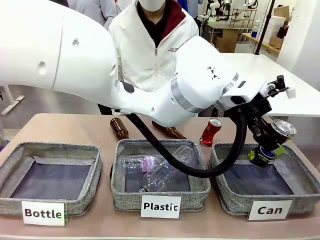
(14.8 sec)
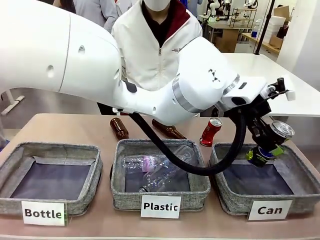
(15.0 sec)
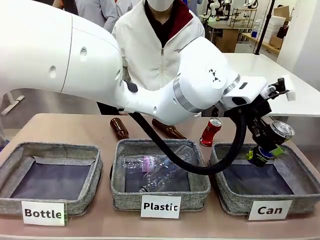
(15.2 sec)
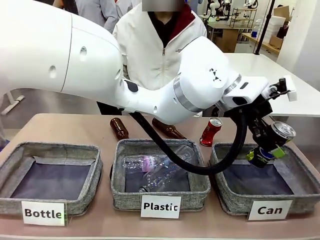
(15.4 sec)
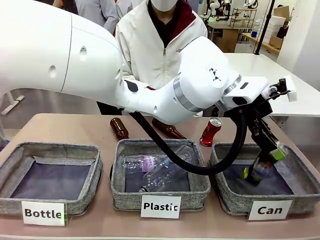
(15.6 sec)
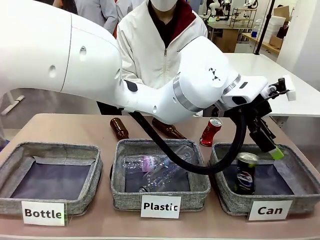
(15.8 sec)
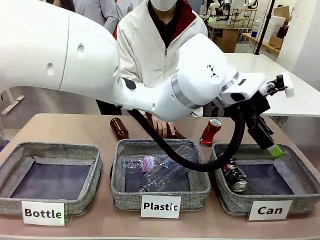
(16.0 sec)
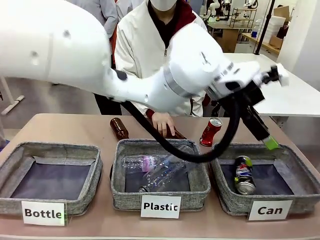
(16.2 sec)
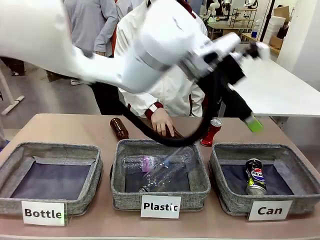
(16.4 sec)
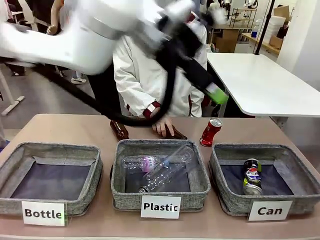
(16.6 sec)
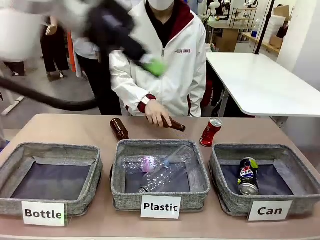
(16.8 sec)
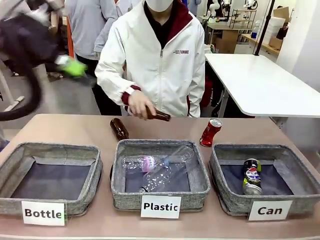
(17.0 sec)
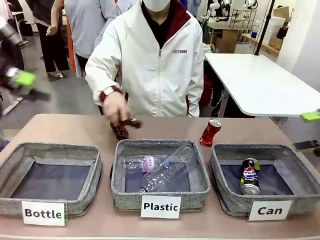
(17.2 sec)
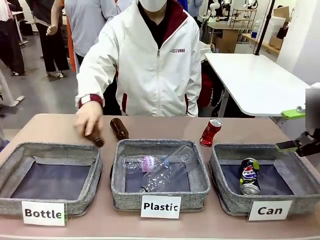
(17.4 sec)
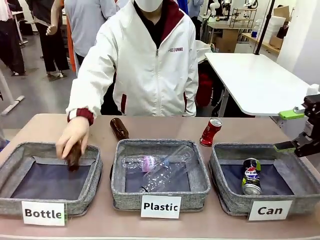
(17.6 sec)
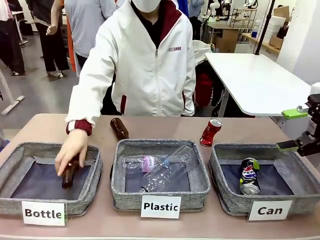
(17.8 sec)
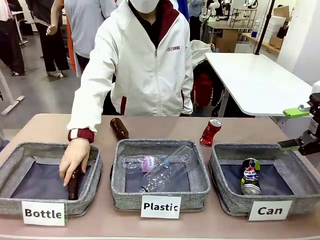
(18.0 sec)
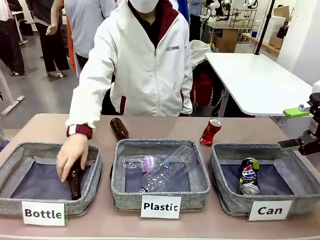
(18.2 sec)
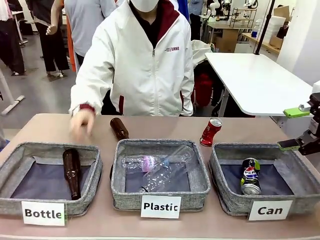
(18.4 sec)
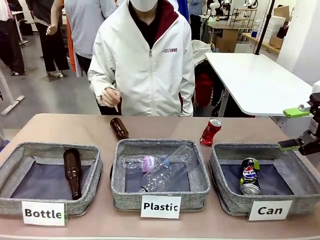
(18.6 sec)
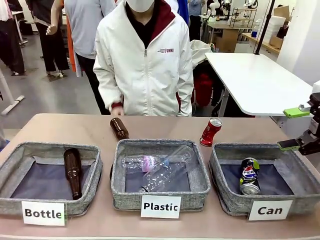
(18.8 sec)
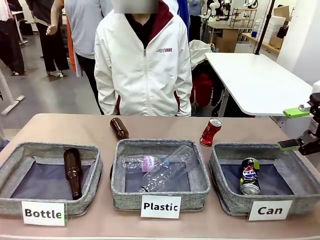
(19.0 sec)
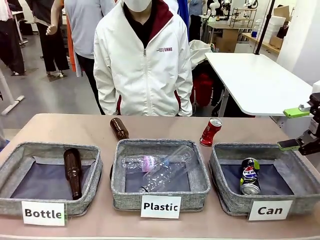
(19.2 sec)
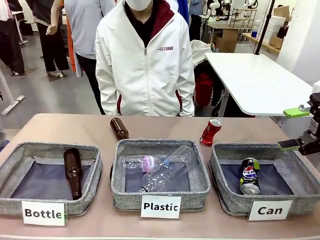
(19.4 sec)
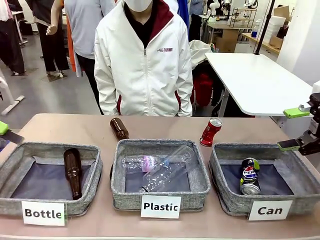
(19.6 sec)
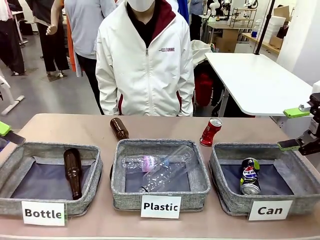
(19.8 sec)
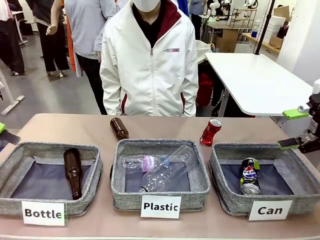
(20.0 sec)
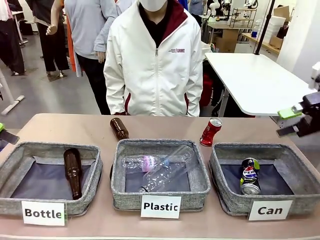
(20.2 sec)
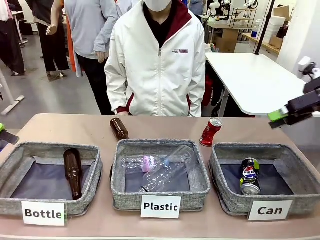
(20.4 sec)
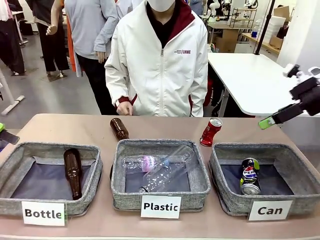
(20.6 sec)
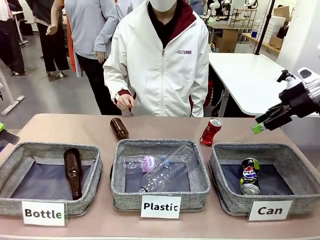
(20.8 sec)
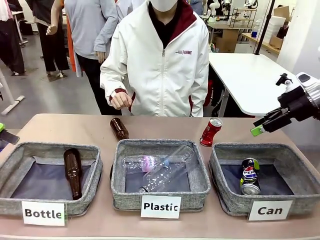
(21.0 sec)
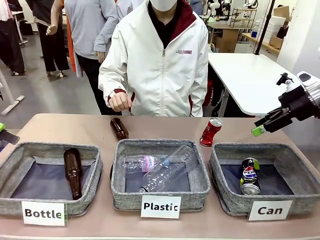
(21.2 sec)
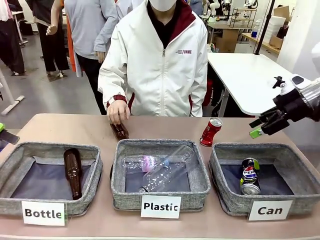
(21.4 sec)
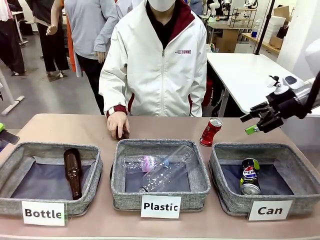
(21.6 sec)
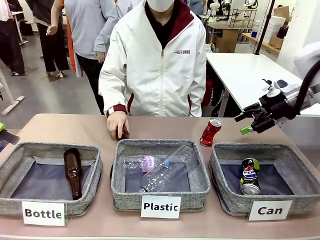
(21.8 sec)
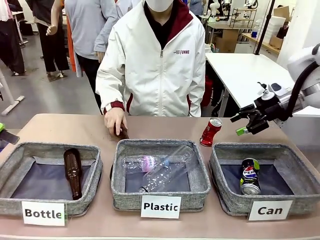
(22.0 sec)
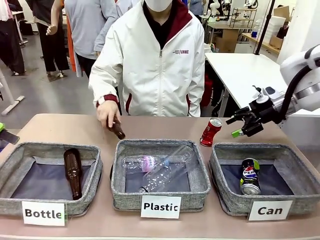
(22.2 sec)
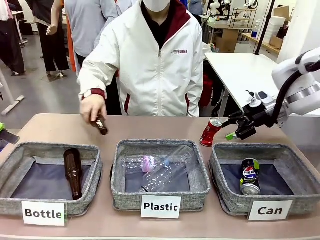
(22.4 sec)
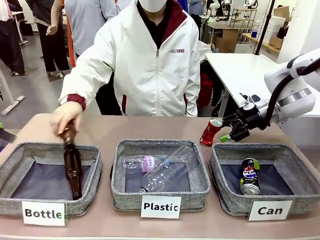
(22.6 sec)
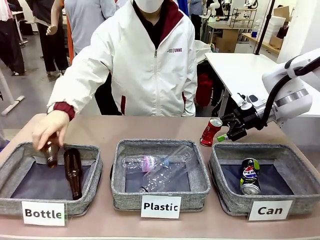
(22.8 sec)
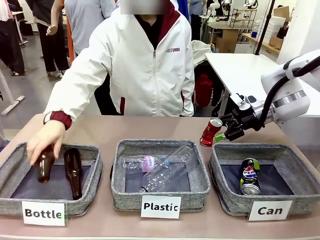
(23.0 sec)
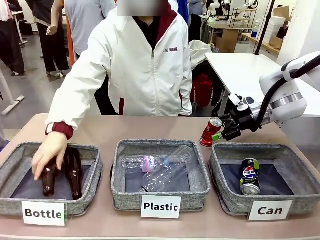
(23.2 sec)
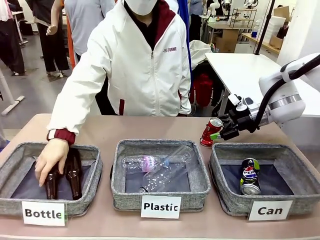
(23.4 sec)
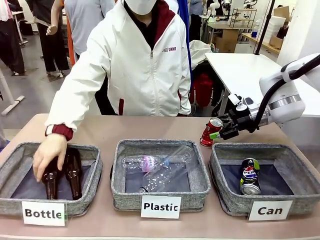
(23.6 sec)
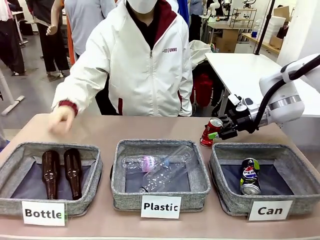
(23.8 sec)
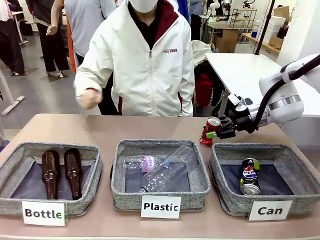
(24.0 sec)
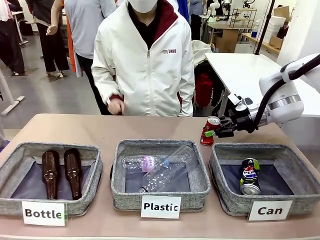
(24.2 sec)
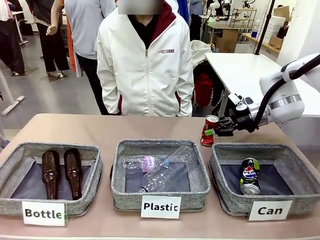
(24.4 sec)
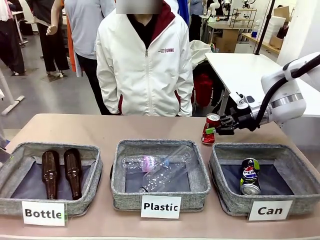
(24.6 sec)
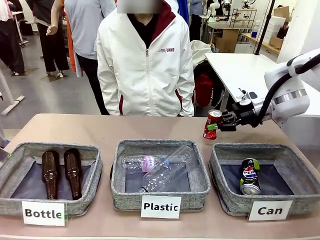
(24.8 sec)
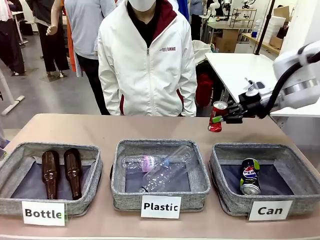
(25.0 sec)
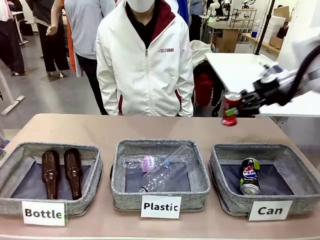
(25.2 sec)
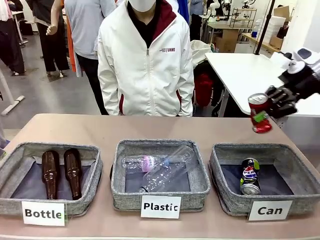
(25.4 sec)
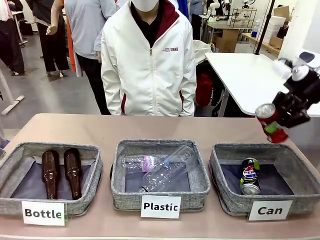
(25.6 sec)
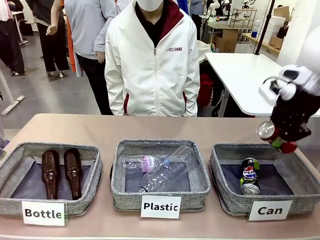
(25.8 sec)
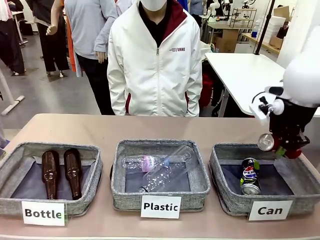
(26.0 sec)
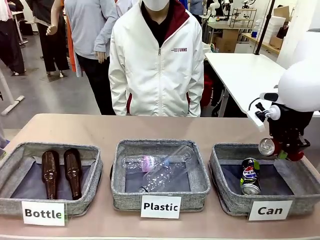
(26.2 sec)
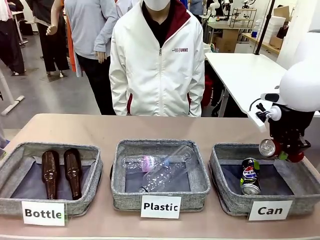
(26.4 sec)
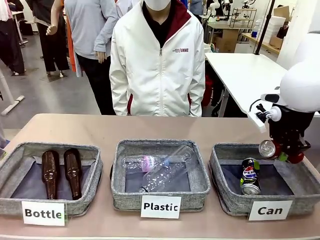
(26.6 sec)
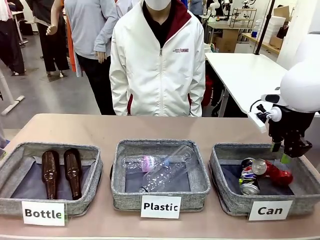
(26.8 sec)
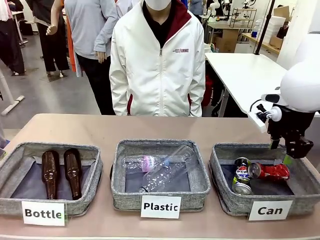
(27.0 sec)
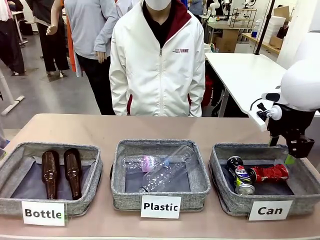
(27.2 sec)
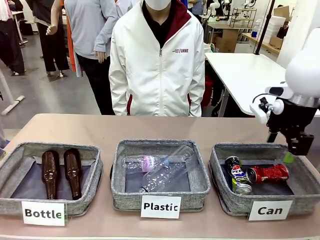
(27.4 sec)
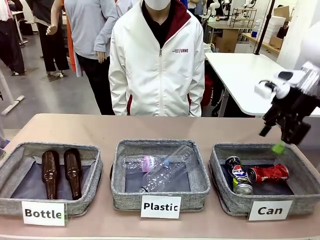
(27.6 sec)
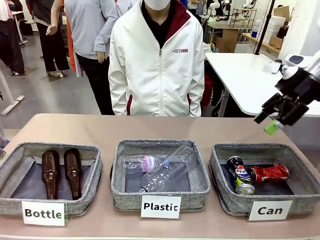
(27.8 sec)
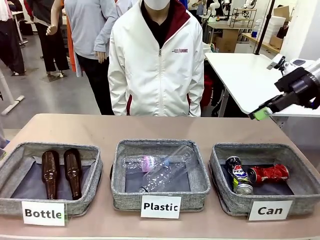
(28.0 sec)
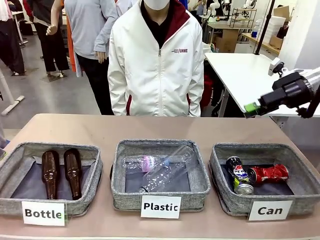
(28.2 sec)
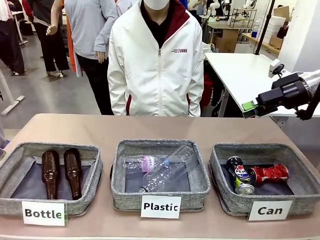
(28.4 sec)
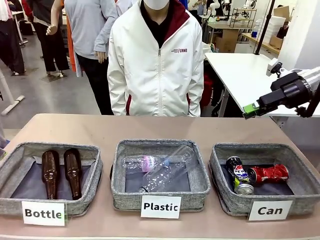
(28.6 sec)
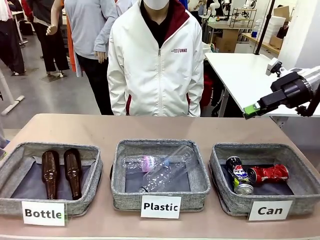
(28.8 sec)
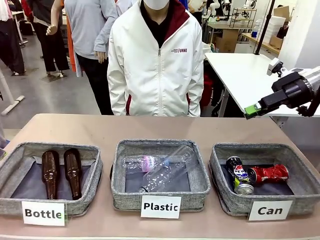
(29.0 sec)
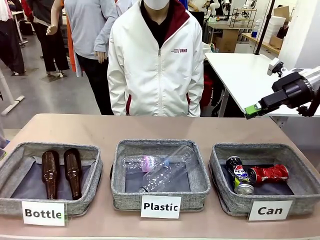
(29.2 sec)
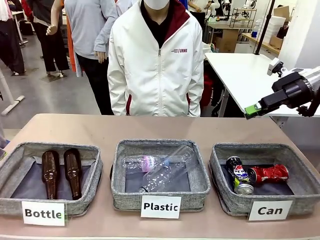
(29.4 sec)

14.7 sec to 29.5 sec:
Task: Sort the can waste into the basket.
Robot: Pick up the can waste from the table and place it in the right Fabric basket.
Person: The human picks up one piece of trash that is not a can and places the trash into the appropriate organizing basket.

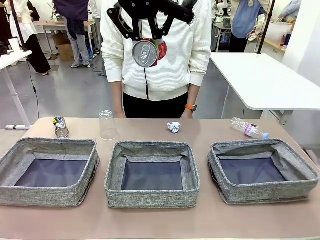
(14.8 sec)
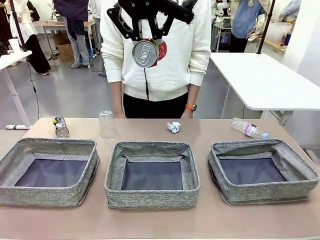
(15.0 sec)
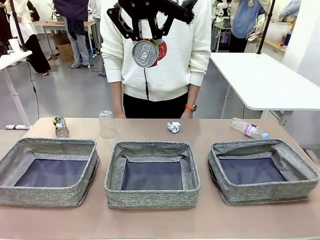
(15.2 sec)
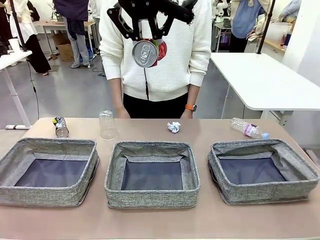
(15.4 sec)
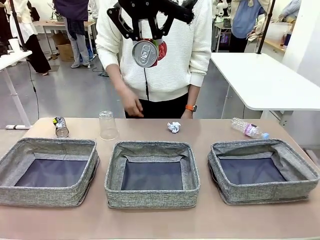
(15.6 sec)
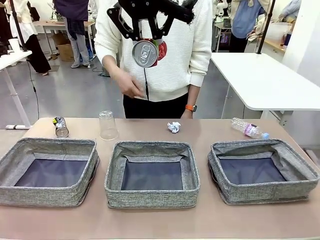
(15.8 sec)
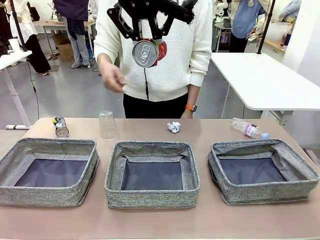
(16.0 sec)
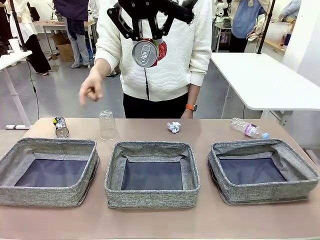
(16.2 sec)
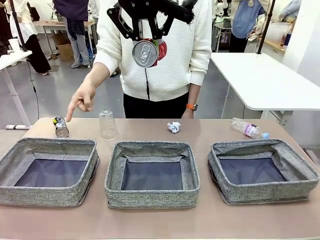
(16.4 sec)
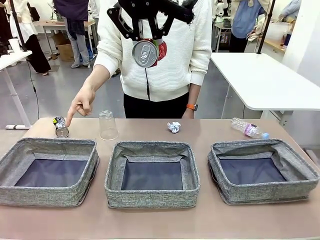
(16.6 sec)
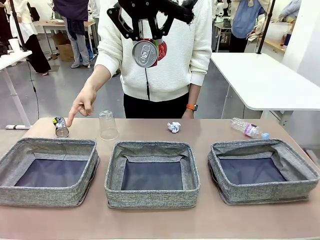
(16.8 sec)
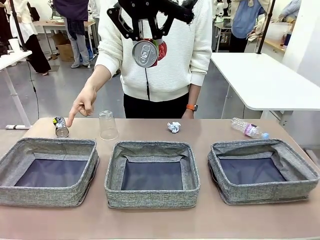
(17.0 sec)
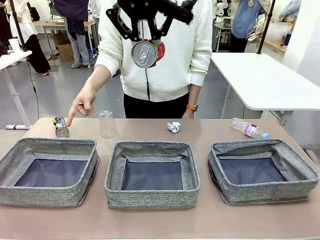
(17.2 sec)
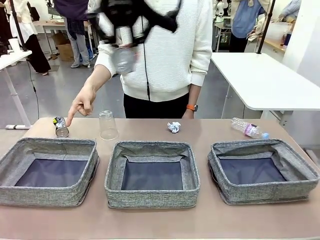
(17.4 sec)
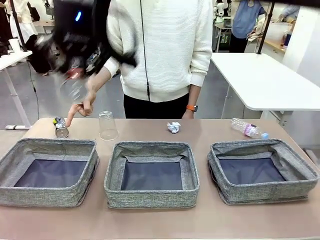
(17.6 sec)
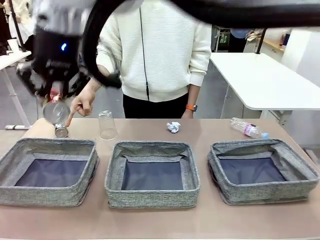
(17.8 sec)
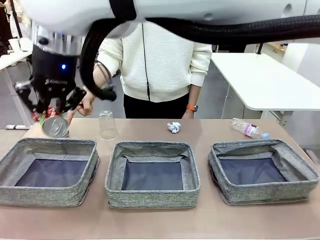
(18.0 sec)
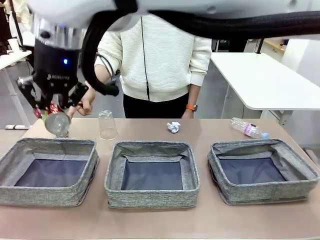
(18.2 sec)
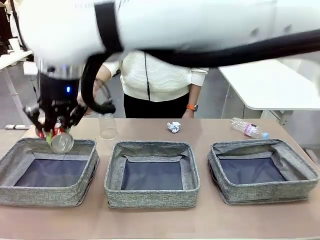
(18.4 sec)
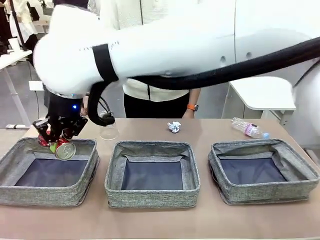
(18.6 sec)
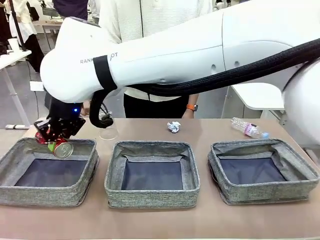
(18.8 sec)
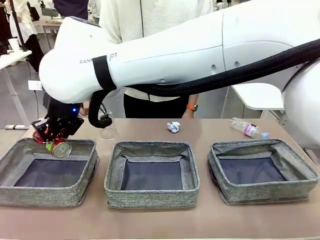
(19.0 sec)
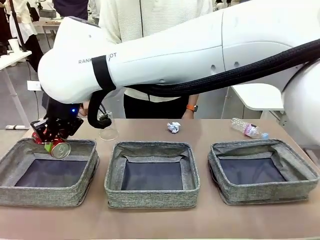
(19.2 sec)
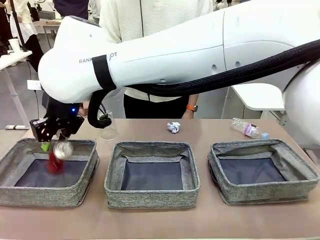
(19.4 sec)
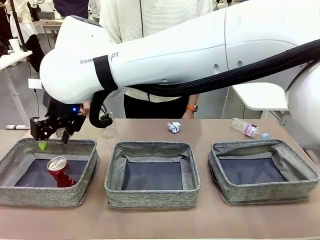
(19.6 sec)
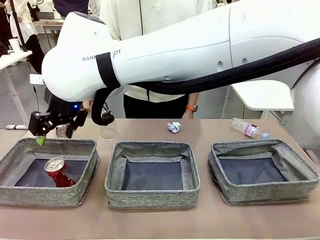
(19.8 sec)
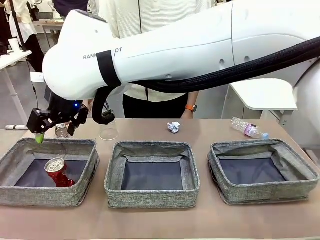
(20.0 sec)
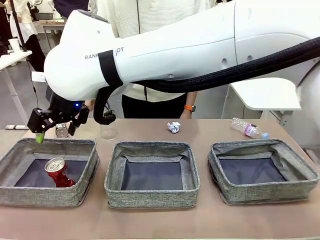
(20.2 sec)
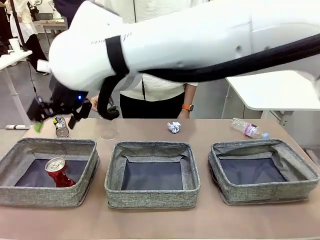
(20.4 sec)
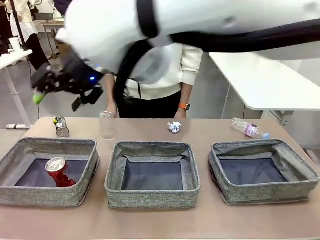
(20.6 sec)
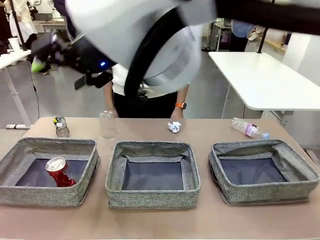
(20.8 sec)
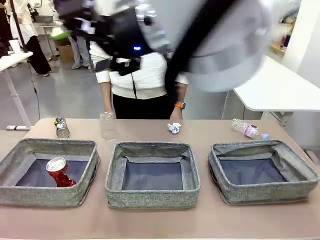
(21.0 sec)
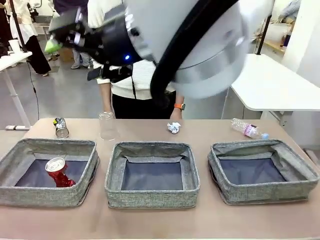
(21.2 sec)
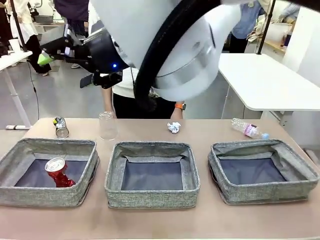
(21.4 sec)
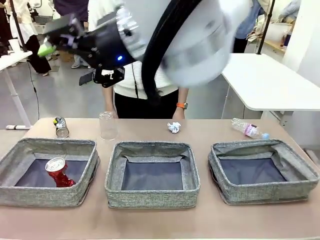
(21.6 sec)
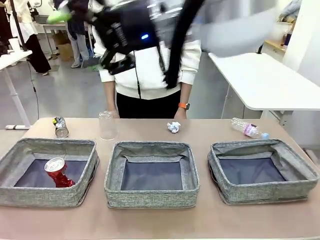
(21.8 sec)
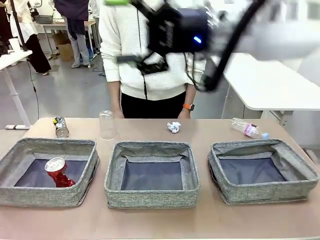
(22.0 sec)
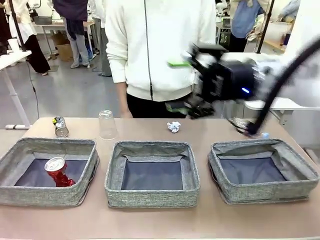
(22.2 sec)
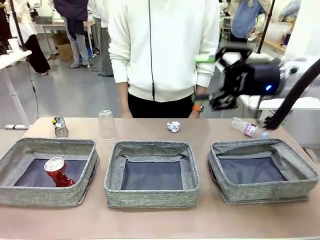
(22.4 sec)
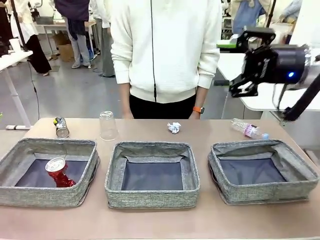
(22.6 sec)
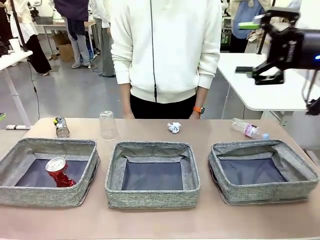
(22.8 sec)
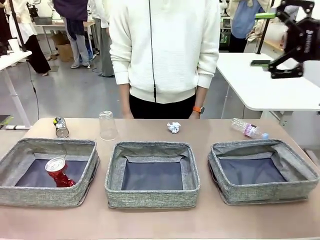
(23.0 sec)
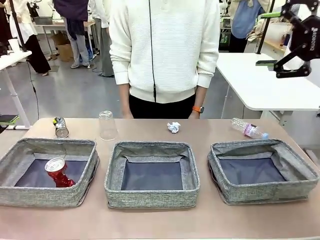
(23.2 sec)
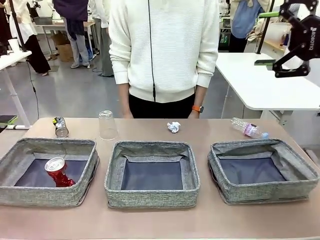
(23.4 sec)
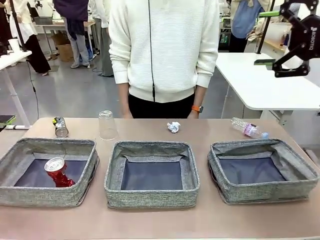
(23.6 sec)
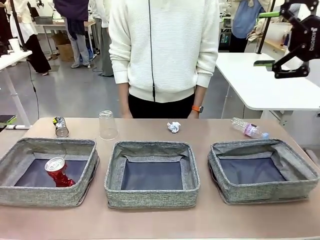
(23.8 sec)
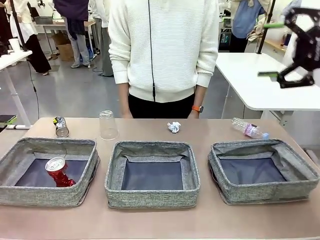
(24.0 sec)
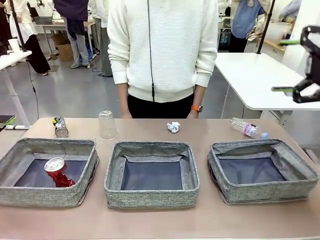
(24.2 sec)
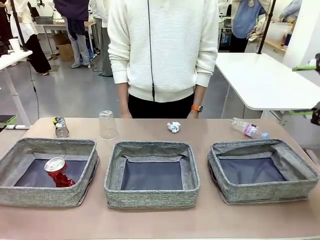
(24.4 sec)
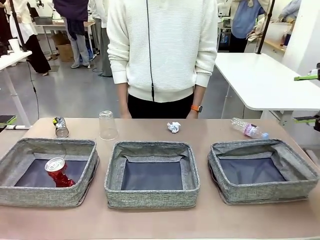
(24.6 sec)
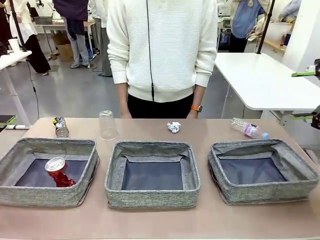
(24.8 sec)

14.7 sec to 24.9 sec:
Task: Sort the waste into the appropriate baskets.
Robot: Place the picked waste into the Fabric basket indicated by the person.
Person: Instructs the robot to place the picked-up trash into the appropriate organizing basket.
